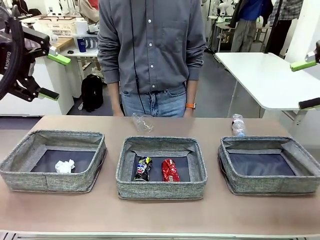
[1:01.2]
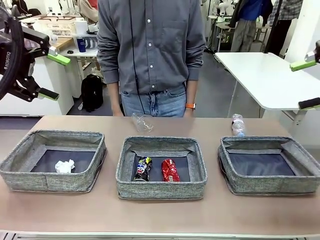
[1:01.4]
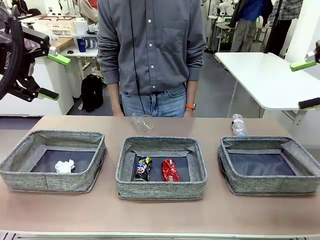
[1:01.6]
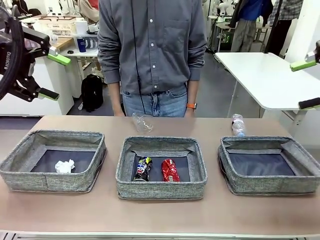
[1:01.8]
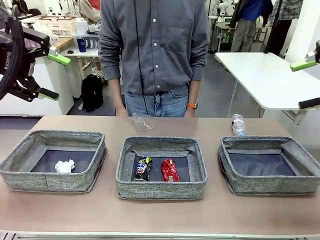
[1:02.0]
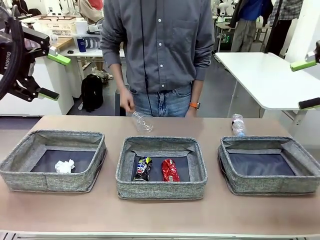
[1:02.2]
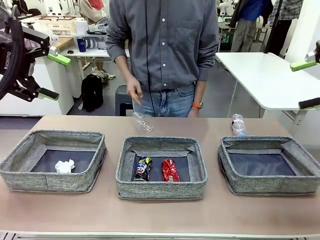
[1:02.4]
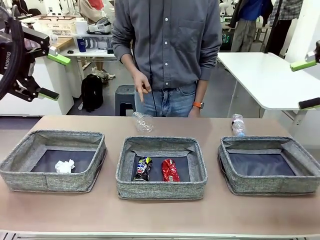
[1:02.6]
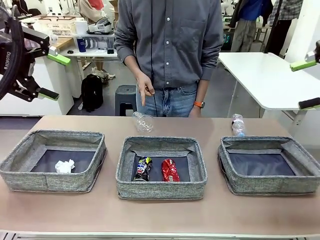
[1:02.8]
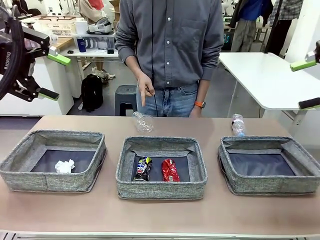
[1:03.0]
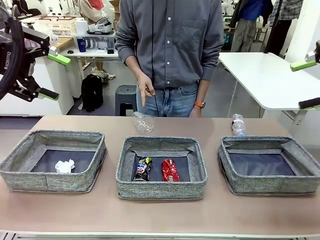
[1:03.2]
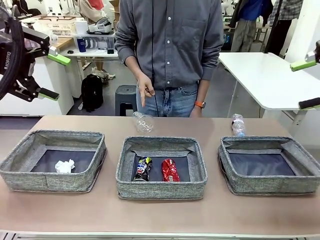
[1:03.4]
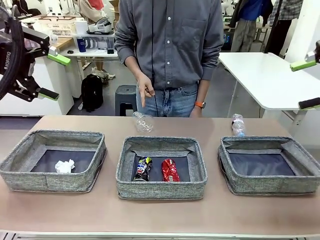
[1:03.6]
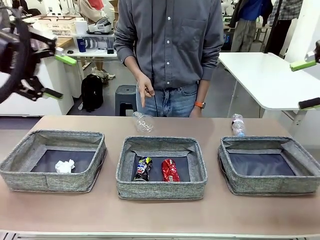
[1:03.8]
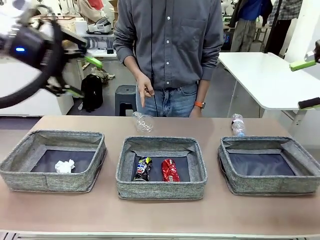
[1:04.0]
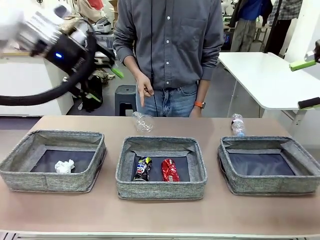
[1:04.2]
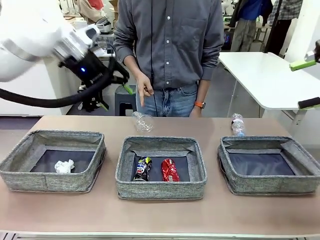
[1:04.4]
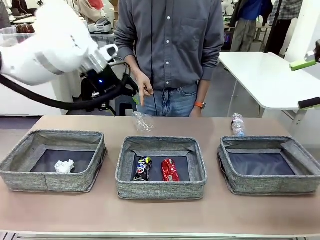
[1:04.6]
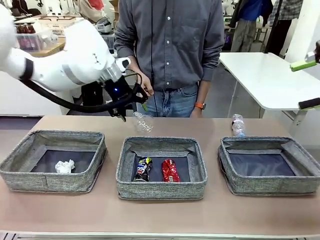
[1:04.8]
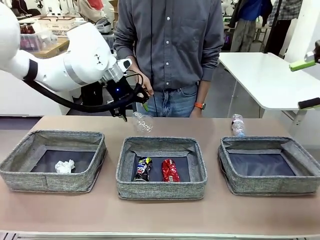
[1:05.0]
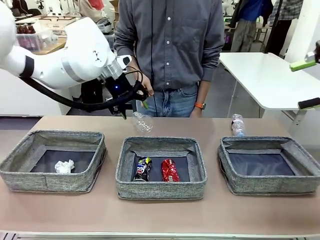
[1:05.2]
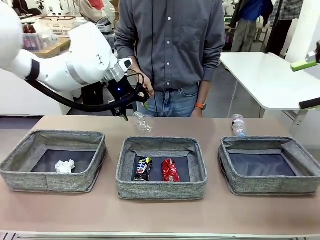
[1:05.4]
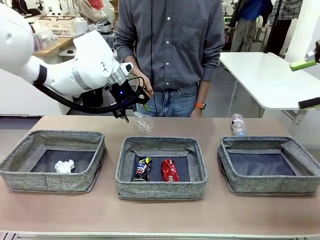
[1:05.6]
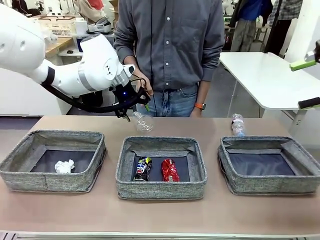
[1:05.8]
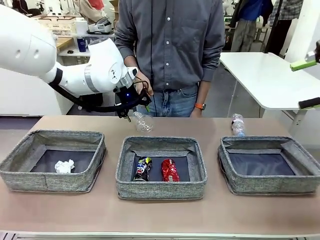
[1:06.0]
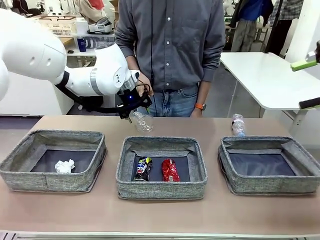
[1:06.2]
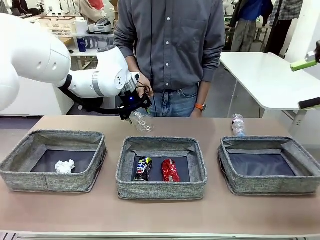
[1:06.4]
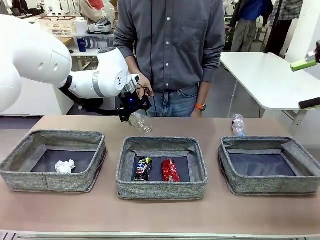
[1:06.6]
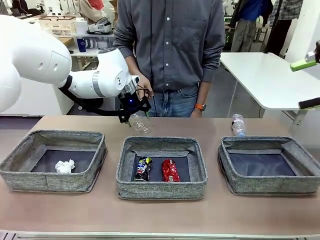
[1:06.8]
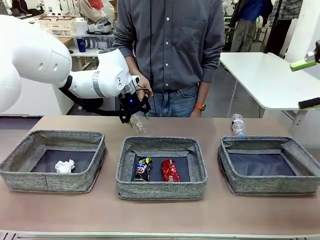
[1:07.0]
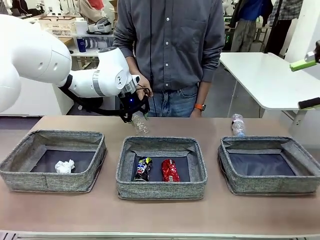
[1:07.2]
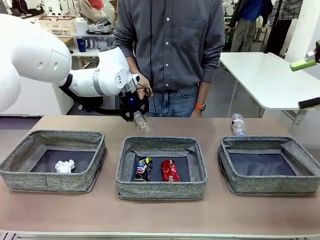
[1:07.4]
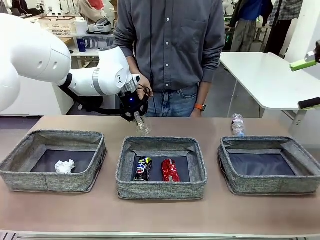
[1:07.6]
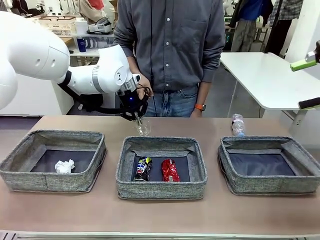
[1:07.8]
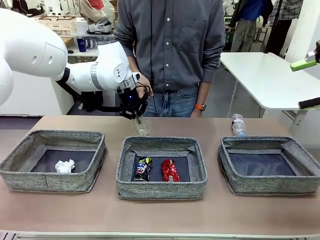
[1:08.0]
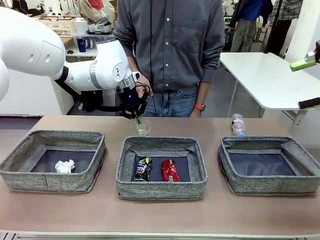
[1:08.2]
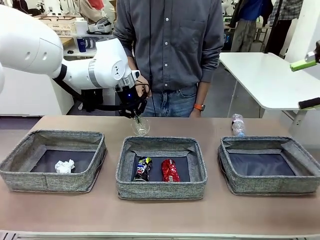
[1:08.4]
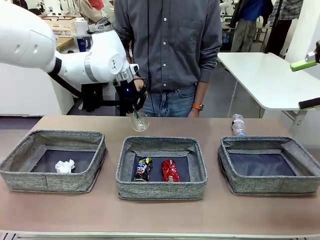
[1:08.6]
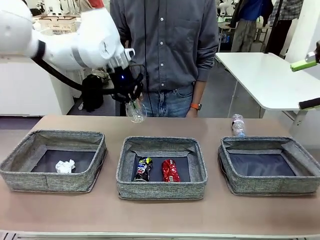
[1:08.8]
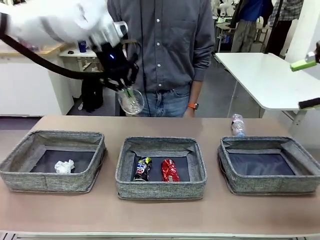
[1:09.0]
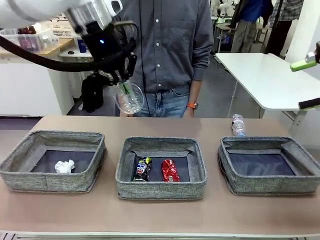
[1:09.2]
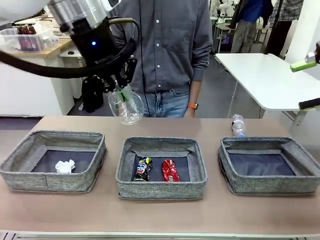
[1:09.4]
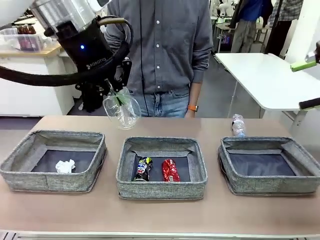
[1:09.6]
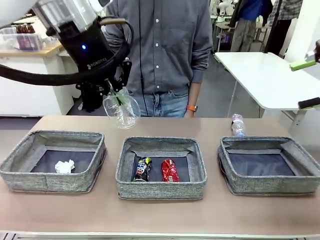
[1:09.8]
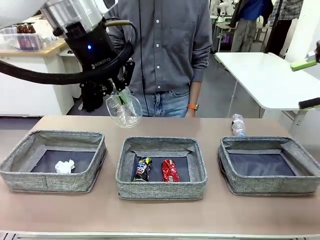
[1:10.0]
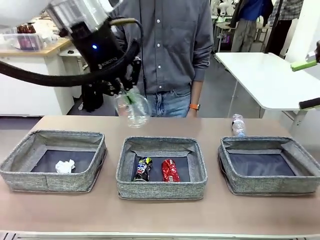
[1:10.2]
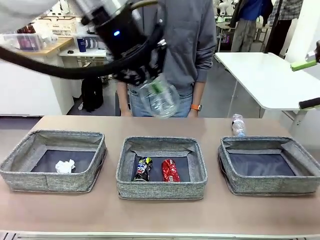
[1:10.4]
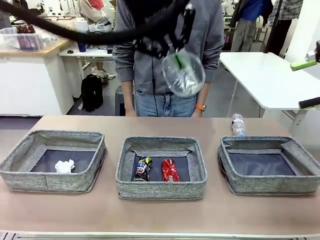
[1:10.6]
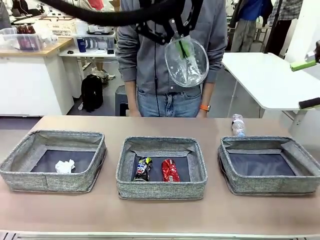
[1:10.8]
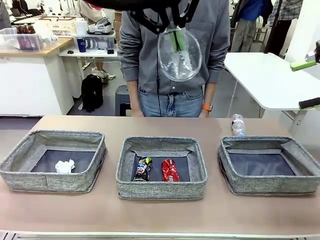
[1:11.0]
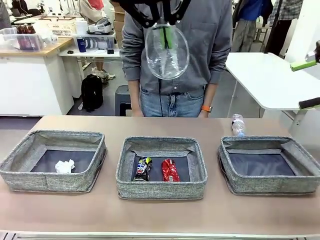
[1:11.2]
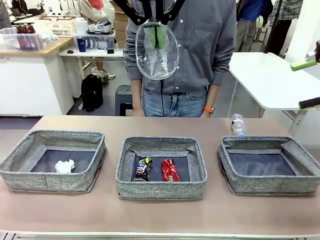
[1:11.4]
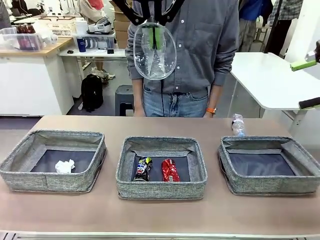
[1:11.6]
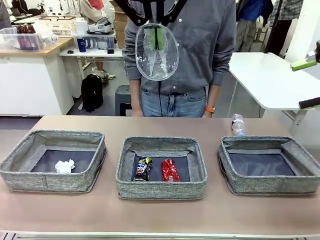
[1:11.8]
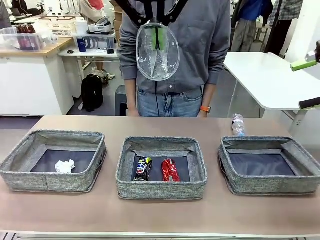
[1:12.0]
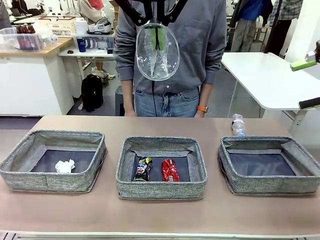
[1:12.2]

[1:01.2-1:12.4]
Task: Sort the waste into the appropriate baskets.
Robot: Pick up the waste item pointed out by the person.
Person: Points to one piece of trash on the table.

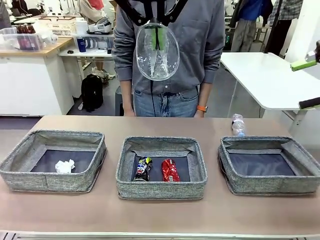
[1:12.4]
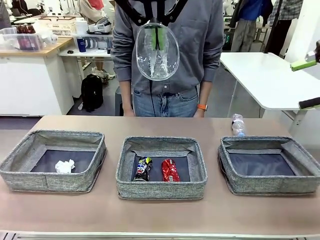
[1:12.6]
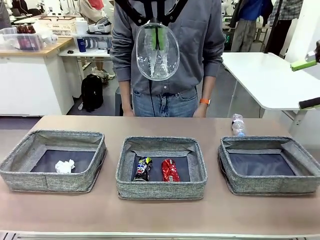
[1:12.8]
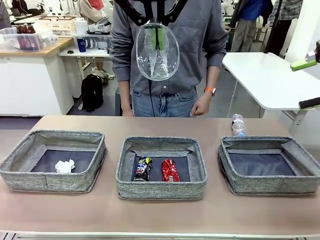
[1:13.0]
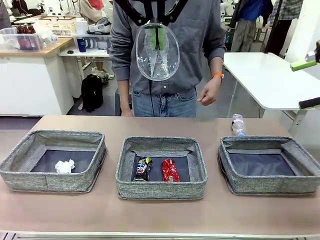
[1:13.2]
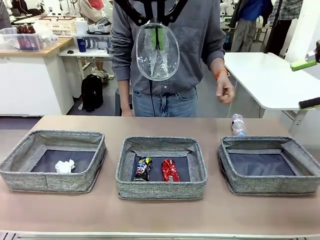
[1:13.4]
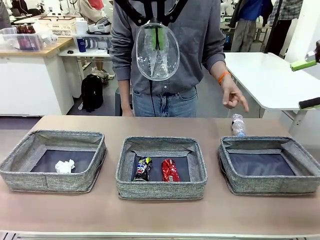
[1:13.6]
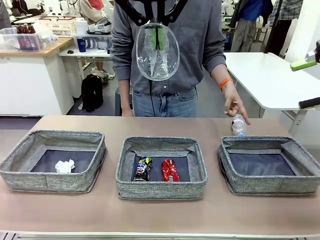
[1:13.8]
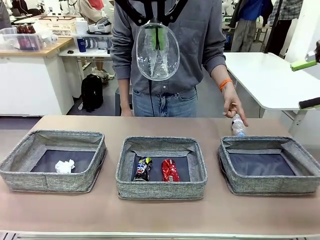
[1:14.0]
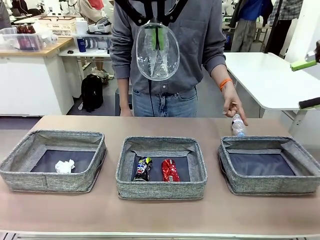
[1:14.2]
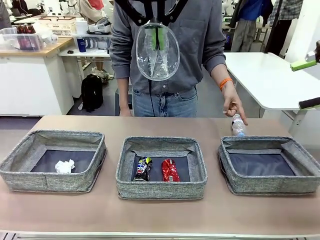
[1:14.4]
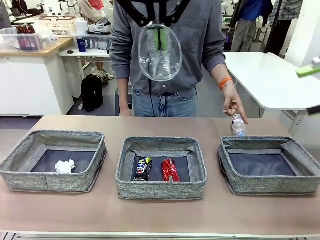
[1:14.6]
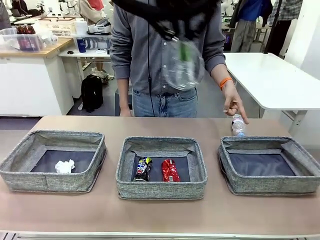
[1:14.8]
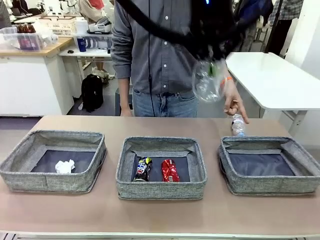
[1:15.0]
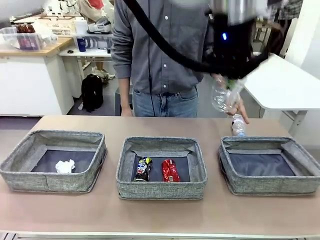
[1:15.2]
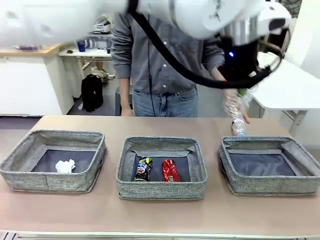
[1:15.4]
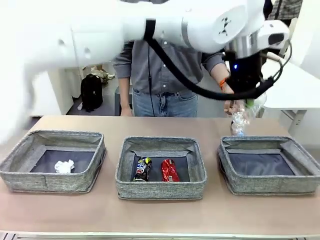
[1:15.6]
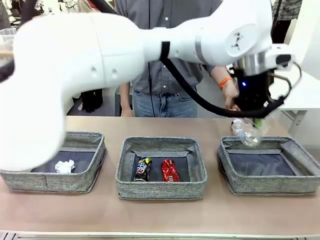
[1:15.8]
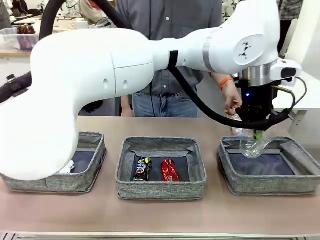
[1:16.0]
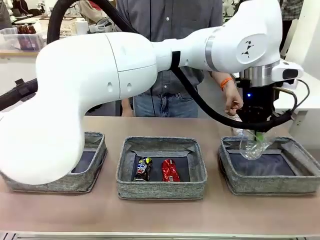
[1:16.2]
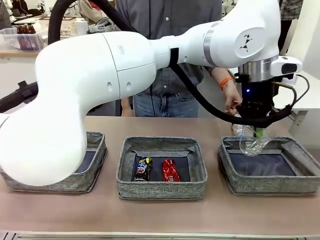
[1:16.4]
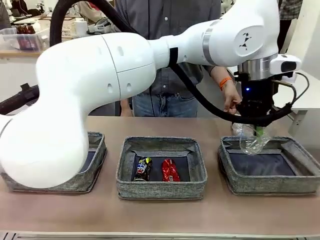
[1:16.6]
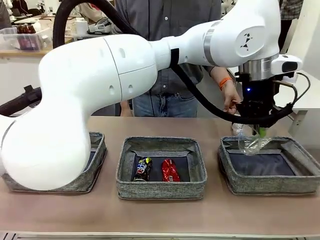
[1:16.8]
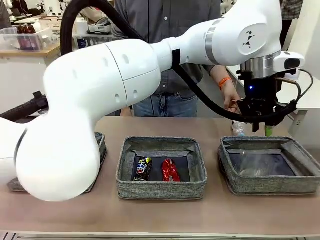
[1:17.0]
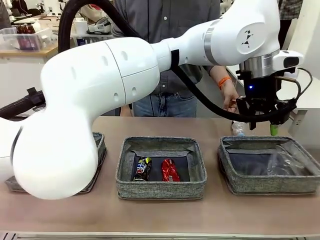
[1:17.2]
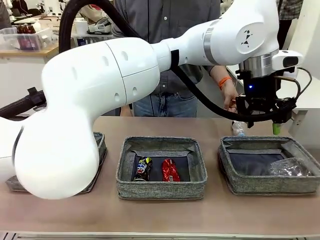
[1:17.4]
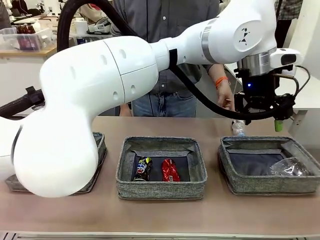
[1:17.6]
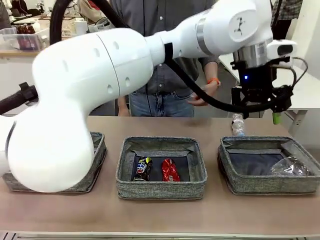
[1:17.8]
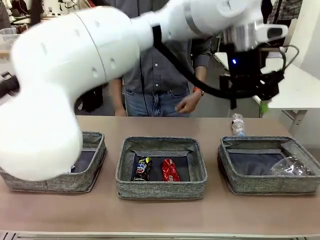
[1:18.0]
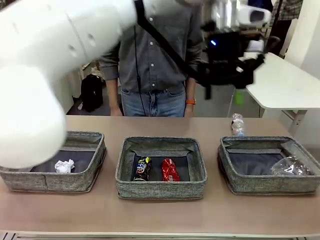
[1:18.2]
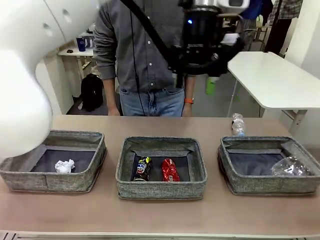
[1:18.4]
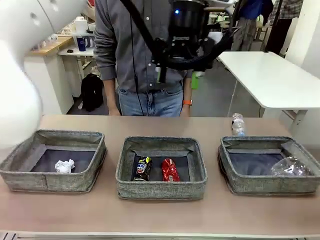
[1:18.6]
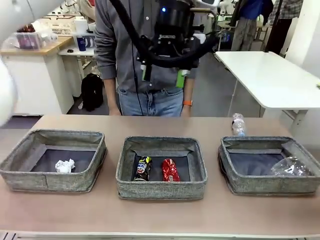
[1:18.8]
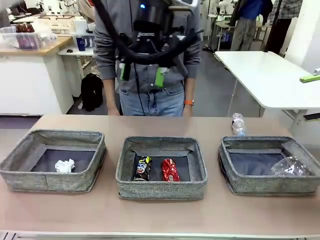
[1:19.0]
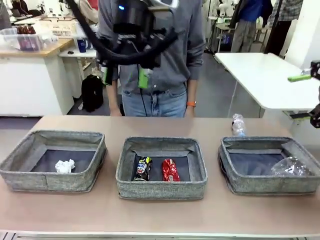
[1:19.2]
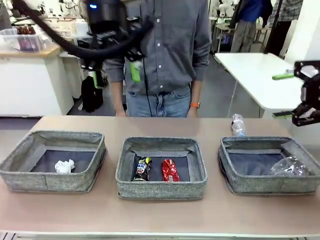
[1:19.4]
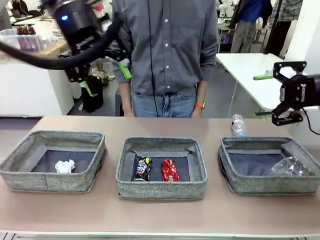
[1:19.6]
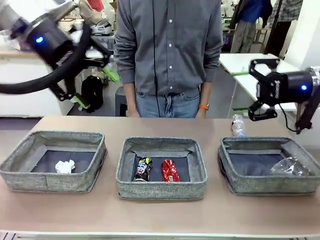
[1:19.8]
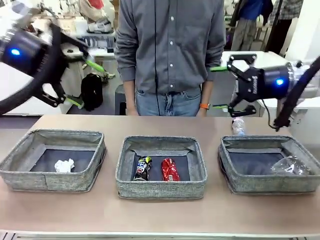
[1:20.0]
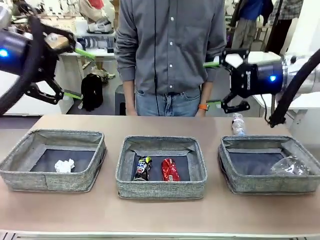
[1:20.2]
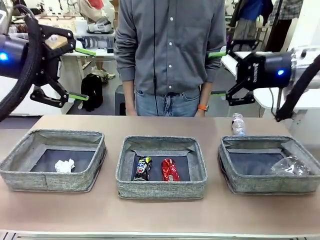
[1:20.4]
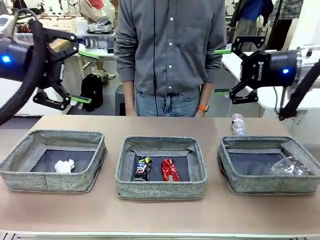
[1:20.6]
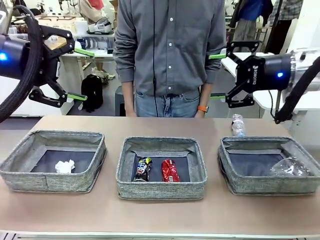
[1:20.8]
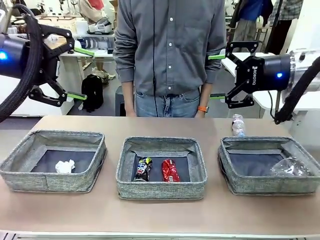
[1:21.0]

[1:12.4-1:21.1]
Robot: Place the picked waste into the Fabric basket indicated by the person.
Person: Instructs the robot to place the picked-up trash into the appropriate organizing basket.
